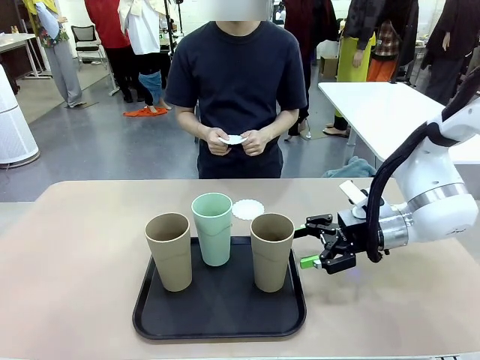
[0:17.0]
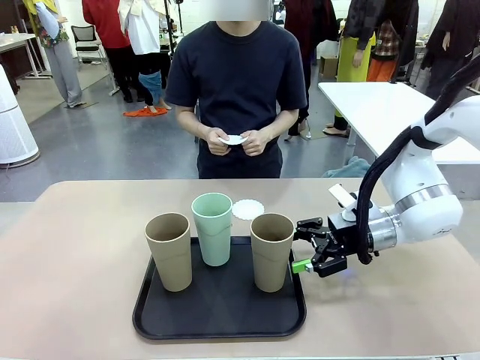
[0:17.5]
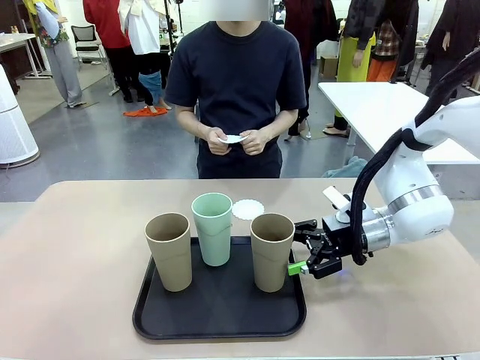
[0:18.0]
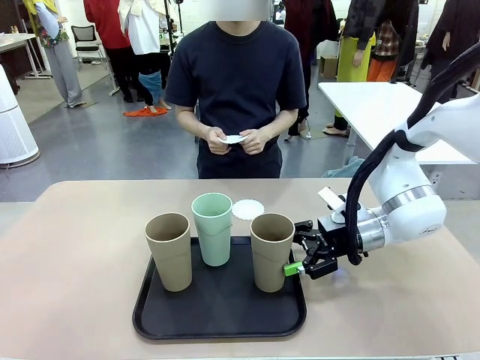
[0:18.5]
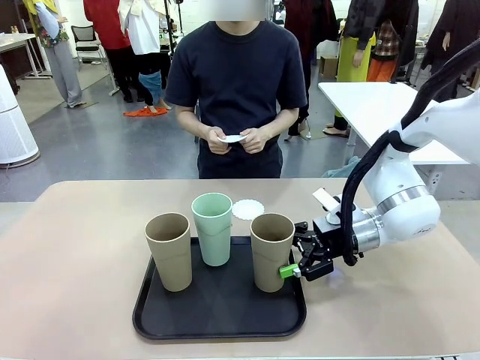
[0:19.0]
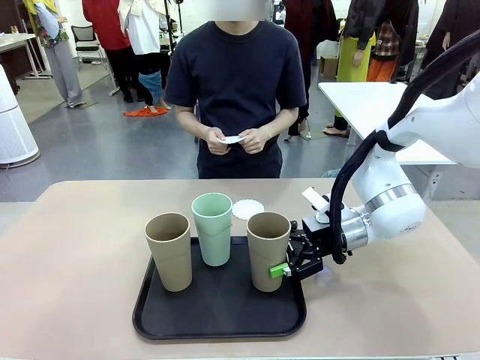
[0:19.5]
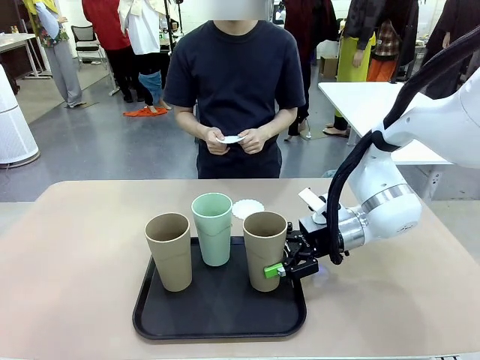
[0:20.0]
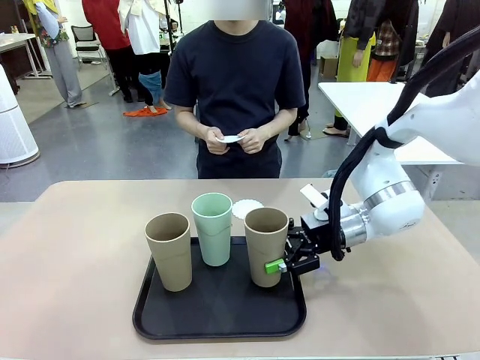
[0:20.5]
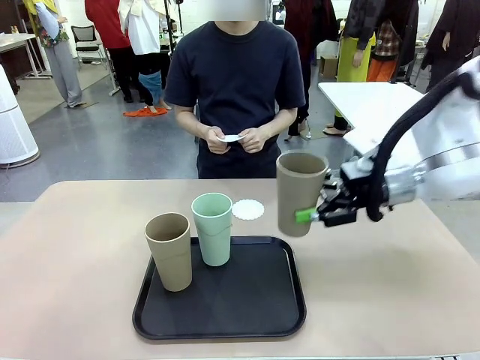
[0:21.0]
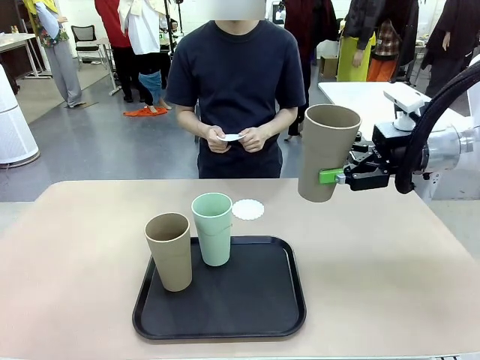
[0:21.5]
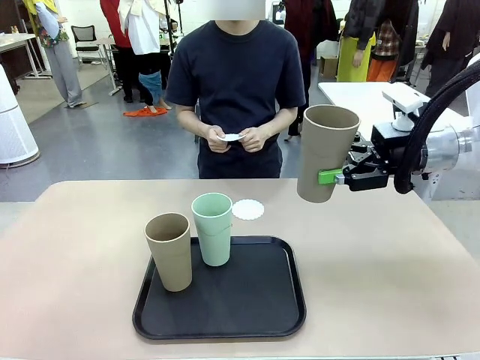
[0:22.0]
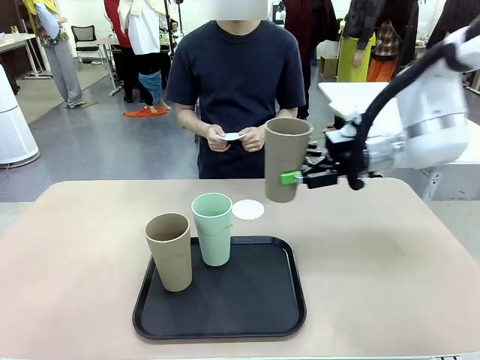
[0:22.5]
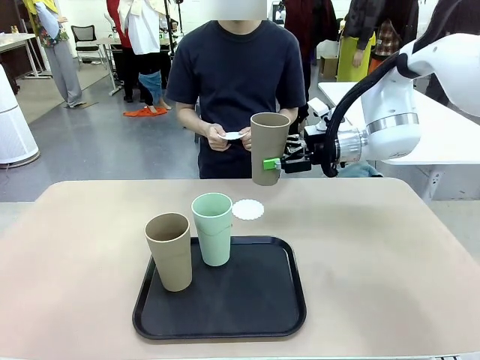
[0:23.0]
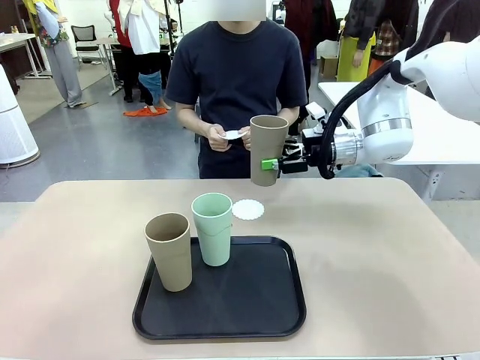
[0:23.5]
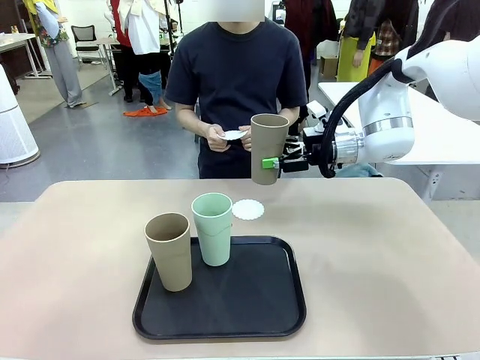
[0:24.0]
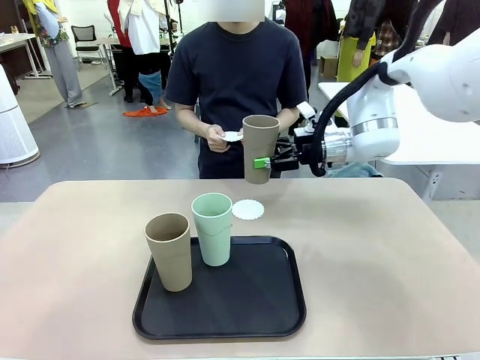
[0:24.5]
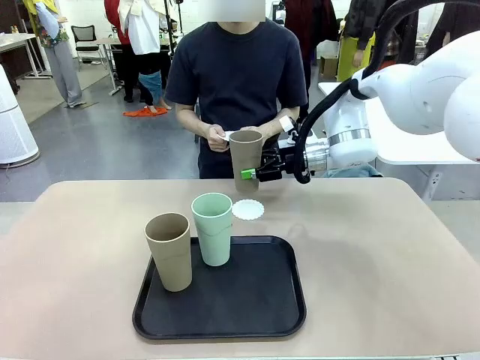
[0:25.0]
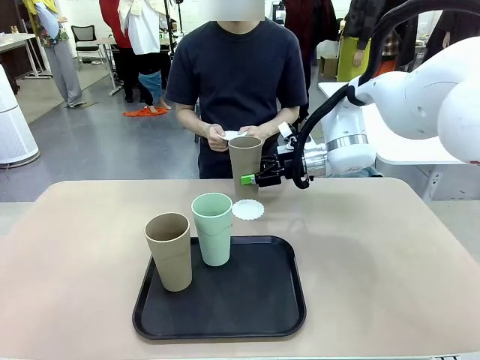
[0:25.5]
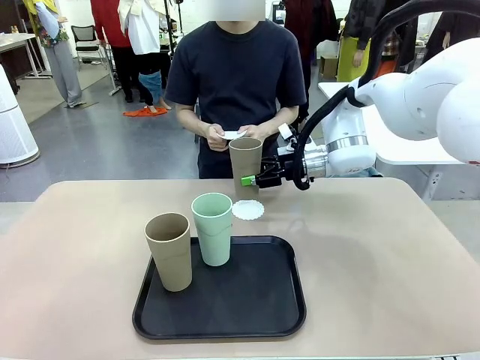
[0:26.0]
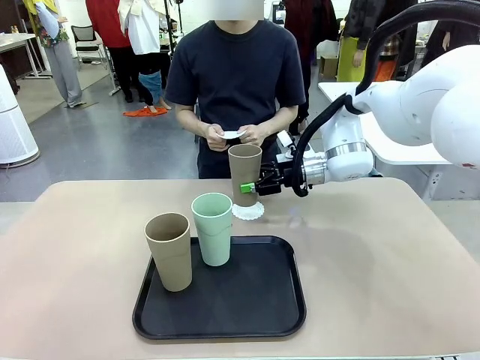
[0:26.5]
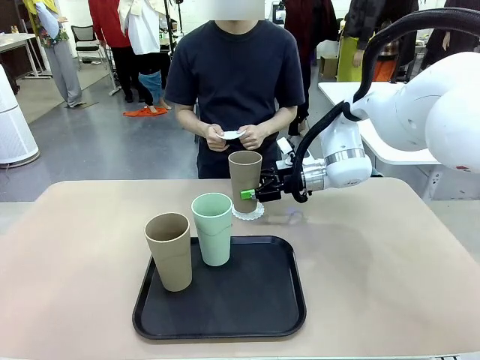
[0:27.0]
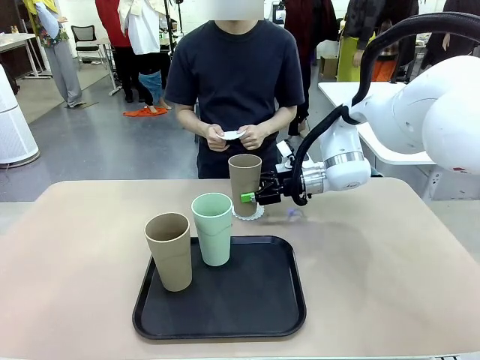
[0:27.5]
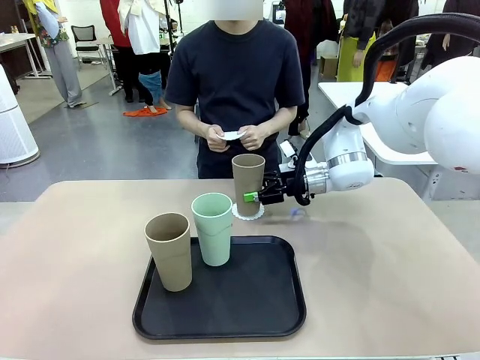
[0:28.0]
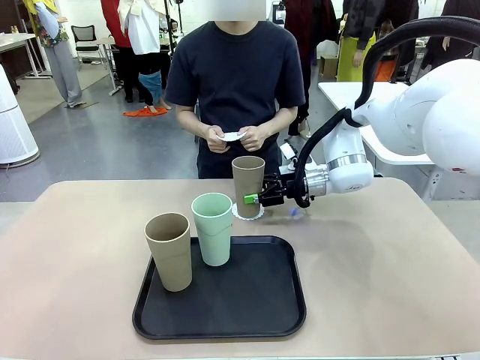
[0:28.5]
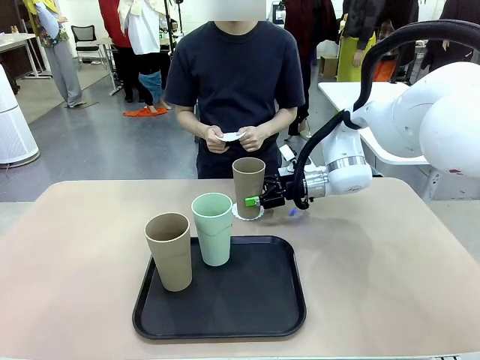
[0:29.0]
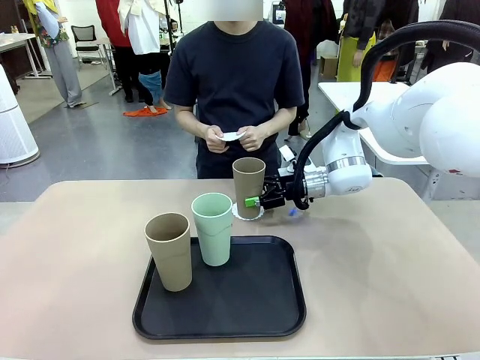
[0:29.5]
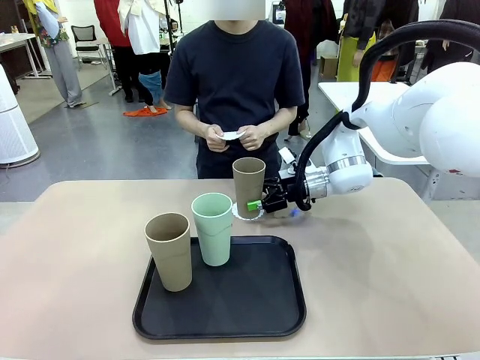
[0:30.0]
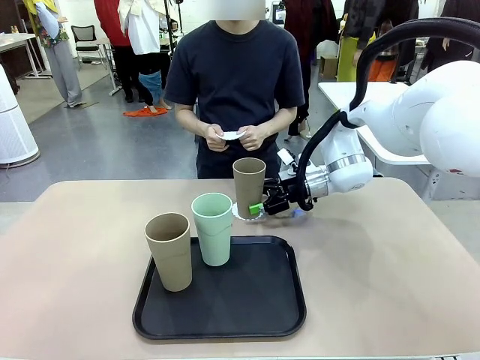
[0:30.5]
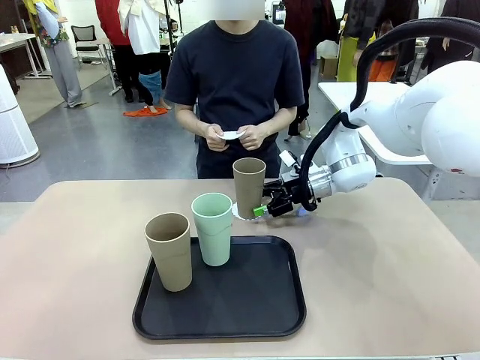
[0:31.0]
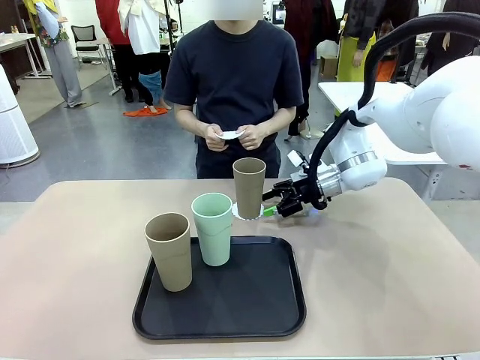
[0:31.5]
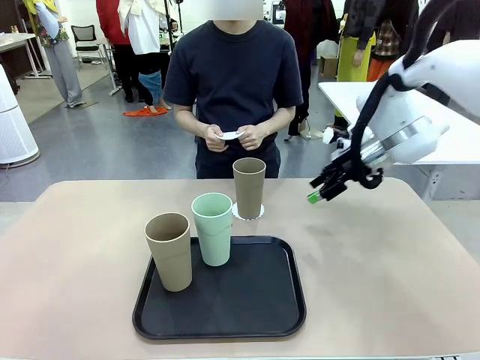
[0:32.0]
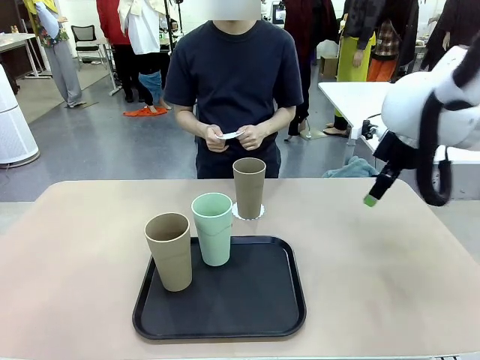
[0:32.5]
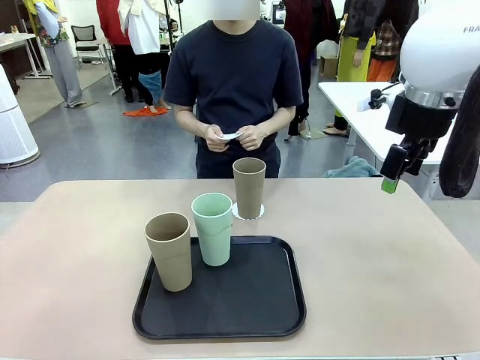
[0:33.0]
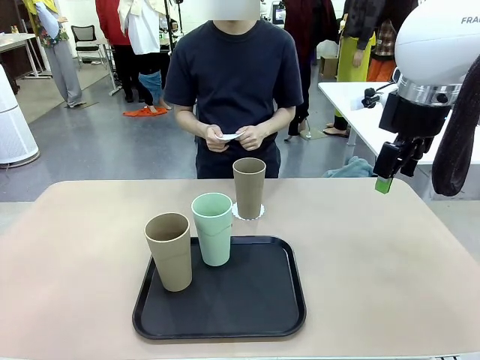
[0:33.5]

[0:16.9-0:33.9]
Task: Place coasters on the table and set cups on them.
Robot: Pick up one Reusable plastic cup and place it on a coaster set by the human.
Person: Place one coaster in one of the two areas excluding the previously selected area.

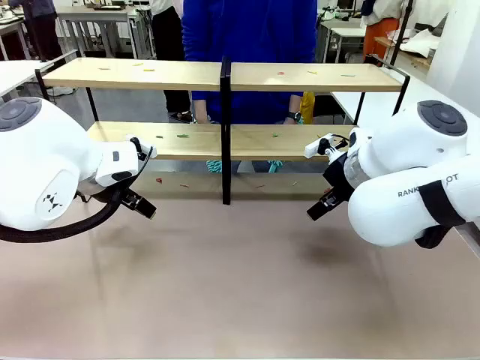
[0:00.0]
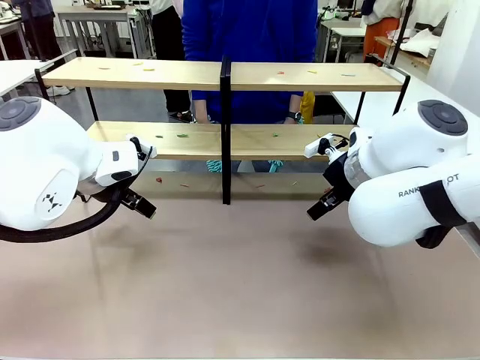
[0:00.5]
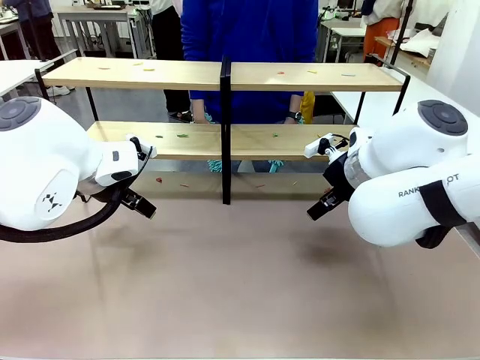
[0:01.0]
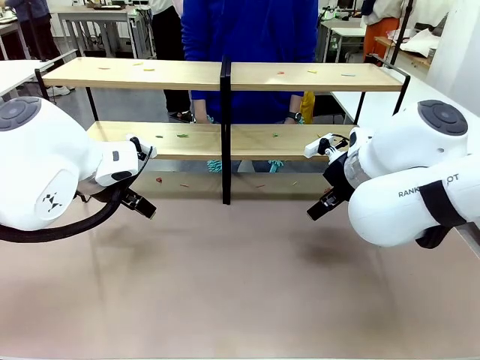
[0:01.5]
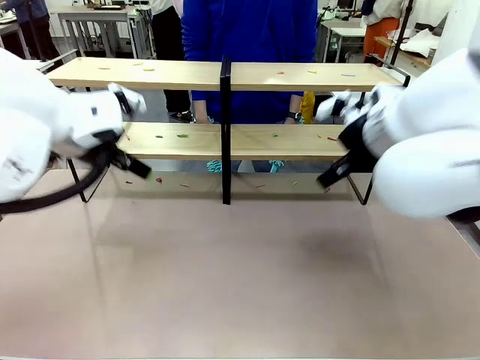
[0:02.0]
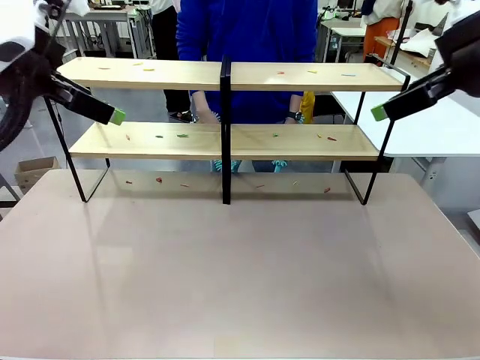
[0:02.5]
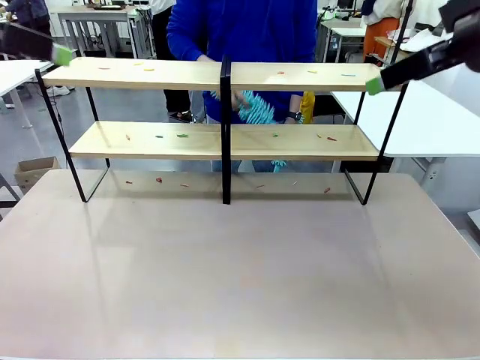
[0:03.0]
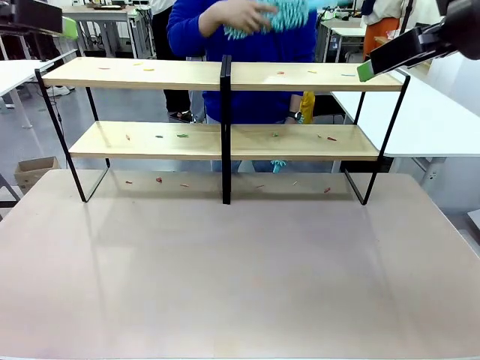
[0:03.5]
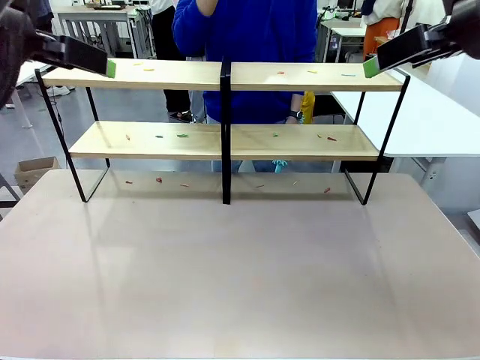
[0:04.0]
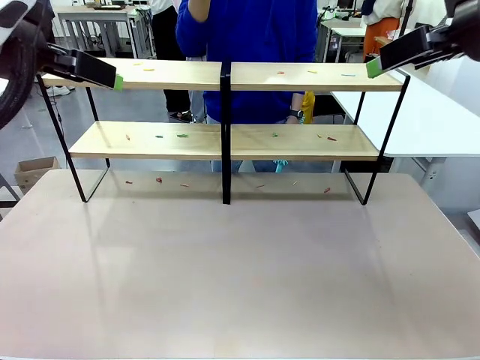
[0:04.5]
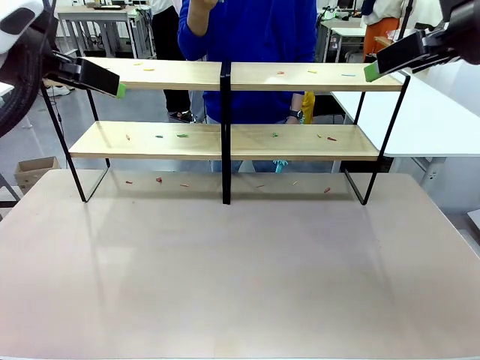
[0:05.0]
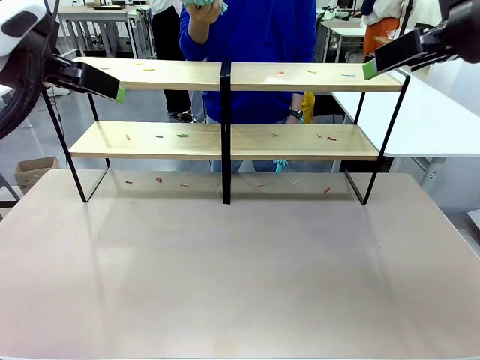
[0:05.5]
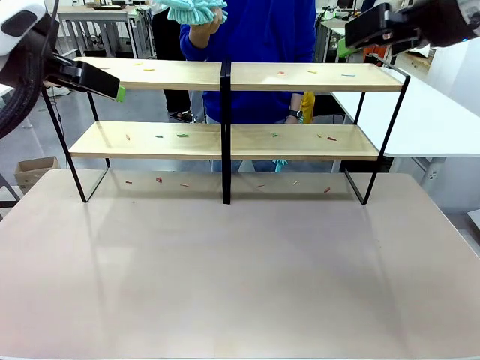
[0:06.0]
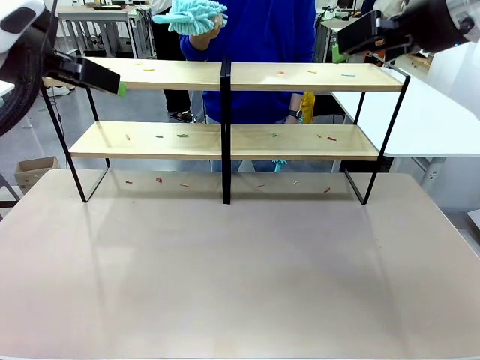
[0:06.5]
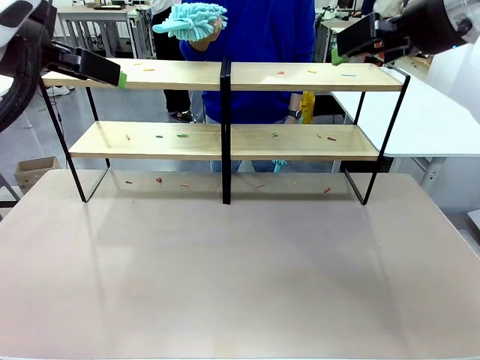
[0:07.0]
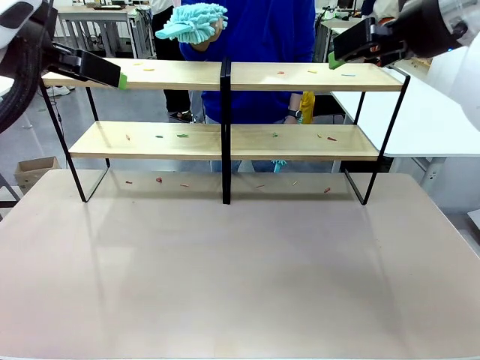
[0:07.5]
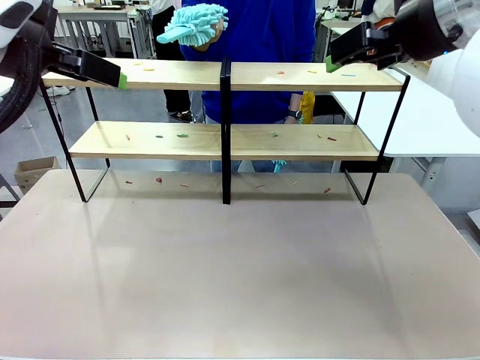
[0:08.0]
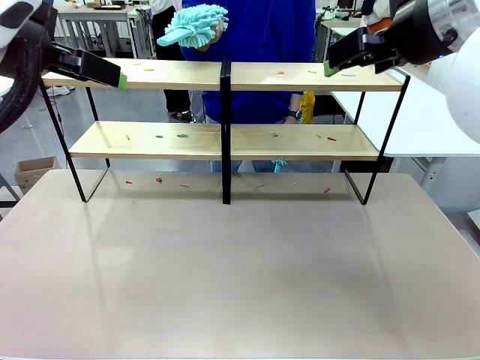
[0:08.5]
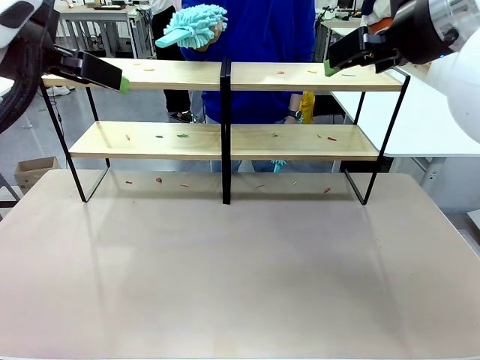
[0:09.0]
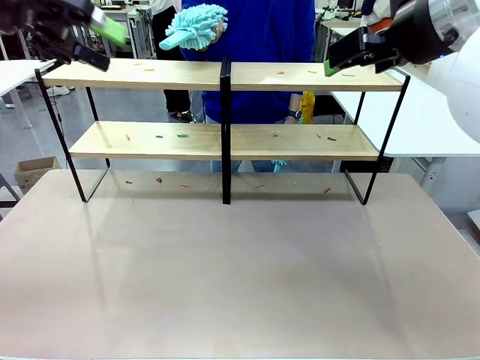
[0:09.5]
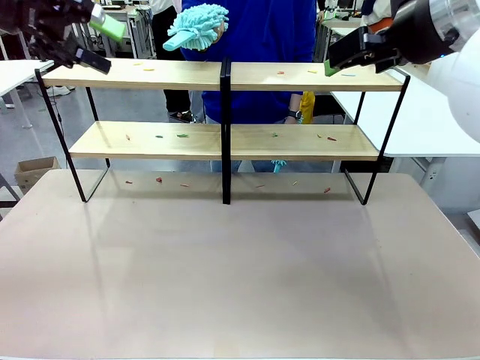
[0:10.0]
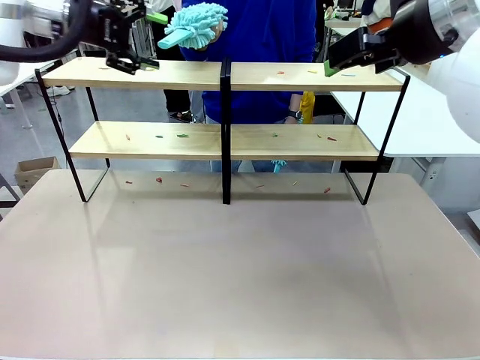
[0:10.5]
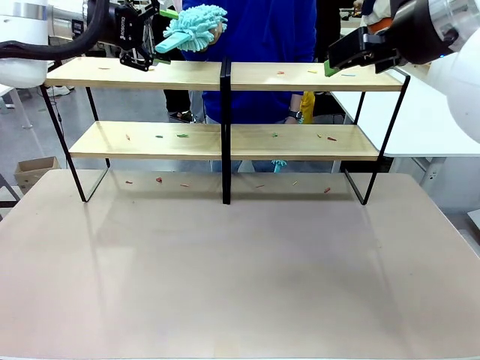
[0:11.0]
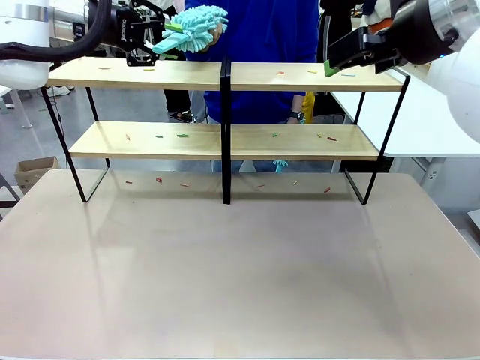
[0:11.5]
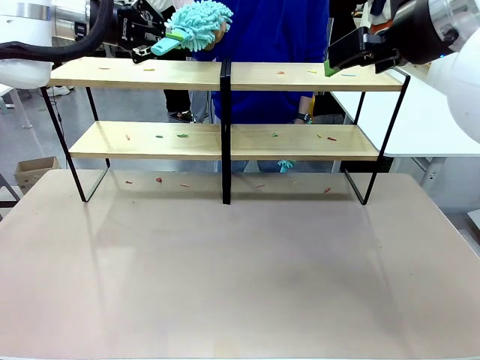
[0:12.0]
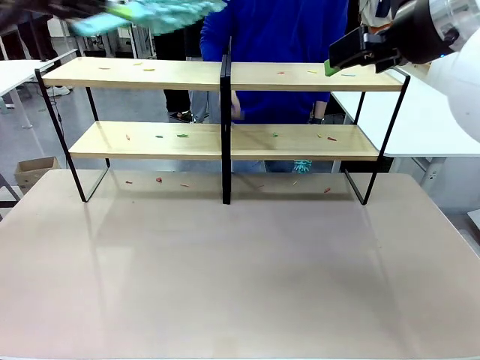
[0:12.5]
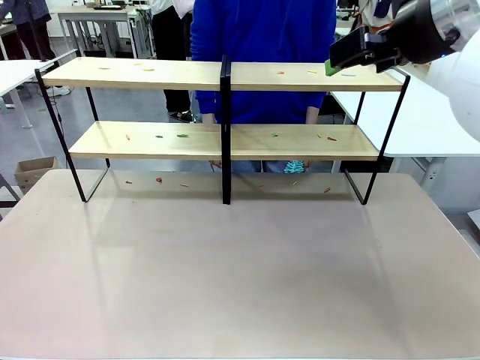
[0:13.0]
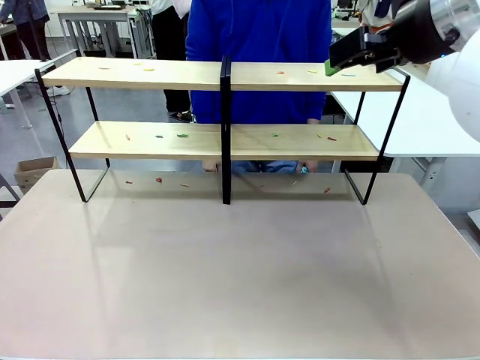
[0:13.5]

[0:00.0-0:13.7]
Task: Clean the shelves.
Robot: Pick up the Duster when the human hands it over.
Person: Hand the Duster to the robot with your right (or left) hand.
